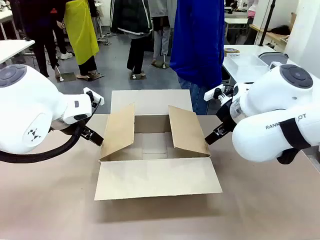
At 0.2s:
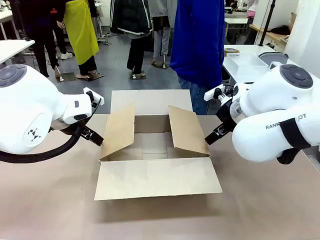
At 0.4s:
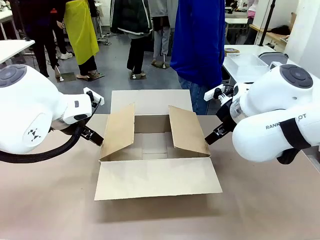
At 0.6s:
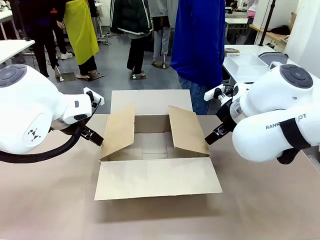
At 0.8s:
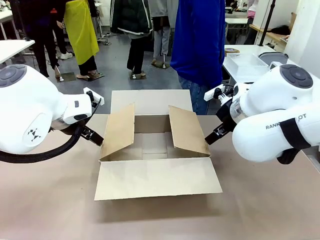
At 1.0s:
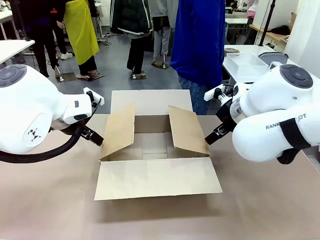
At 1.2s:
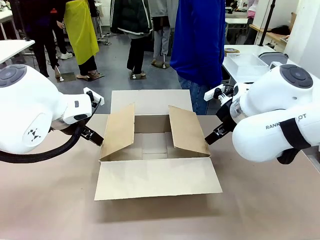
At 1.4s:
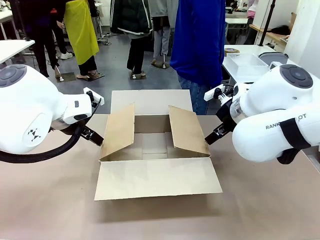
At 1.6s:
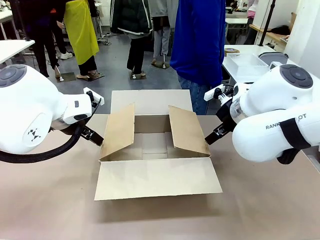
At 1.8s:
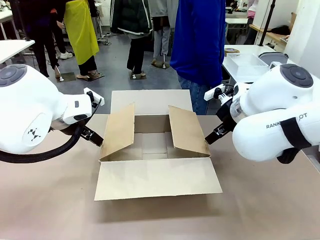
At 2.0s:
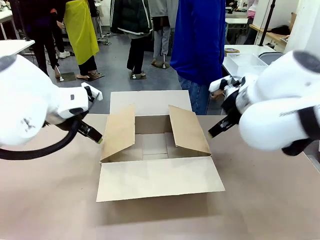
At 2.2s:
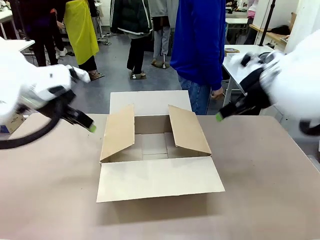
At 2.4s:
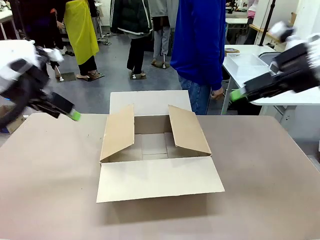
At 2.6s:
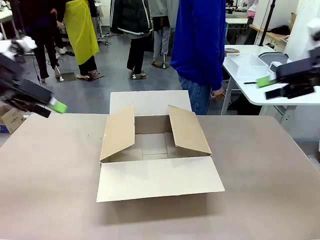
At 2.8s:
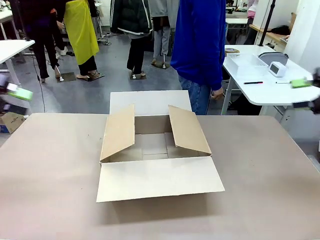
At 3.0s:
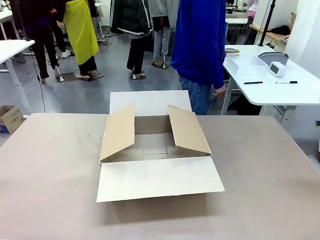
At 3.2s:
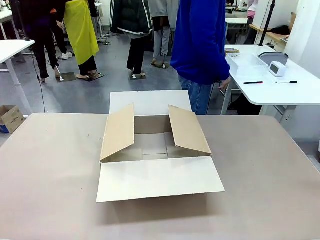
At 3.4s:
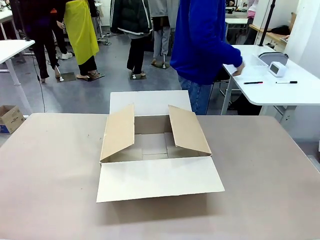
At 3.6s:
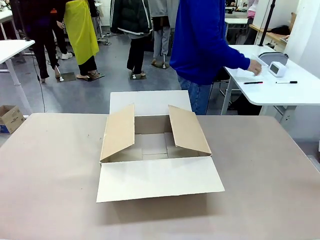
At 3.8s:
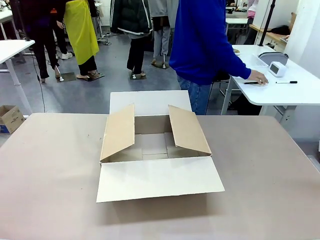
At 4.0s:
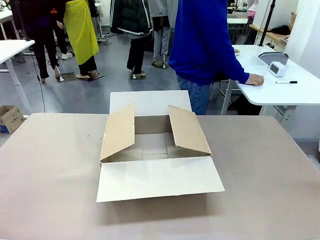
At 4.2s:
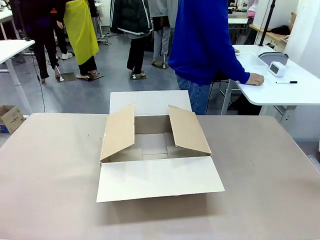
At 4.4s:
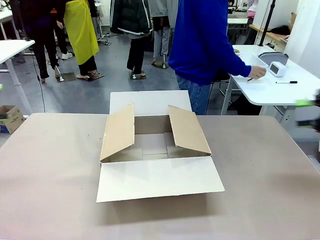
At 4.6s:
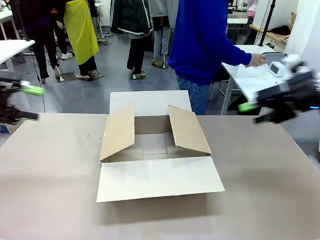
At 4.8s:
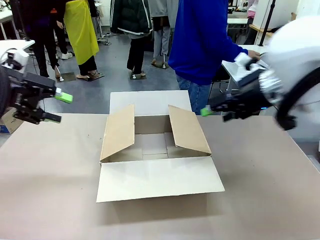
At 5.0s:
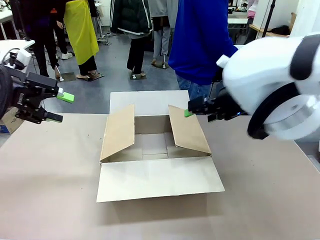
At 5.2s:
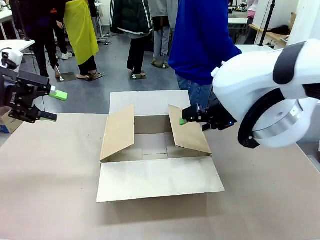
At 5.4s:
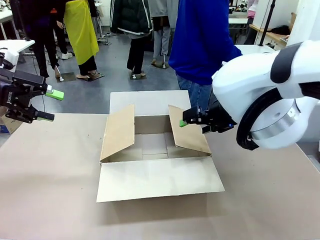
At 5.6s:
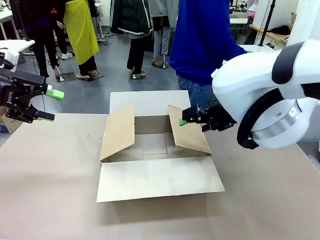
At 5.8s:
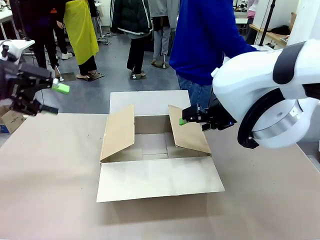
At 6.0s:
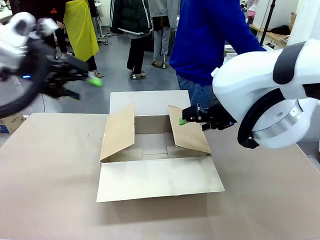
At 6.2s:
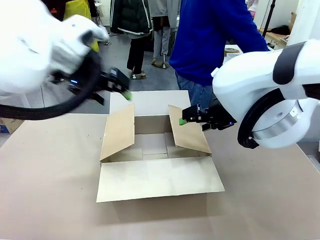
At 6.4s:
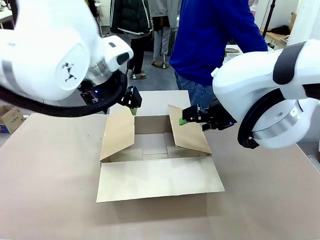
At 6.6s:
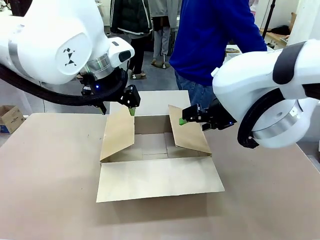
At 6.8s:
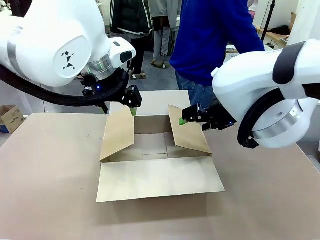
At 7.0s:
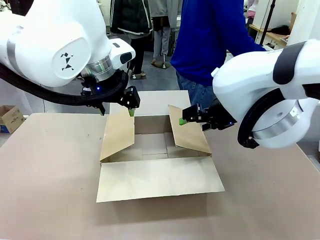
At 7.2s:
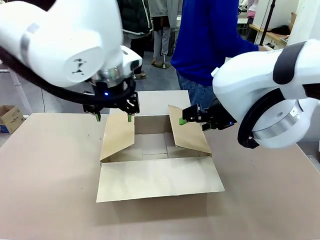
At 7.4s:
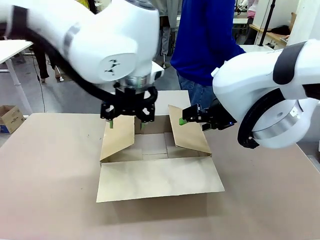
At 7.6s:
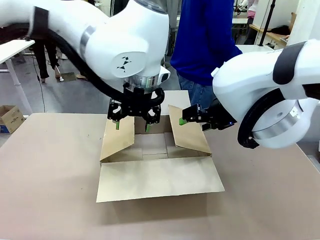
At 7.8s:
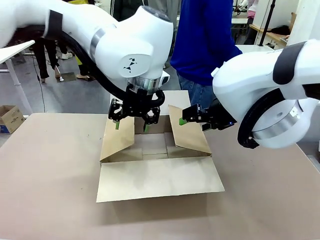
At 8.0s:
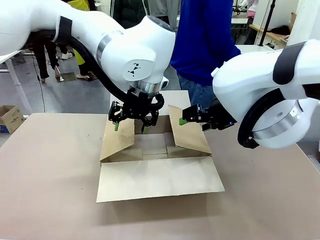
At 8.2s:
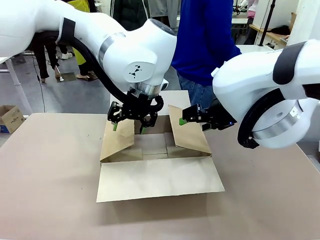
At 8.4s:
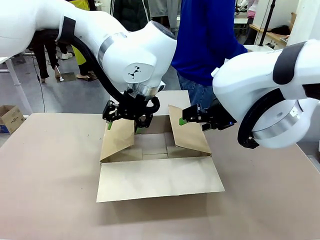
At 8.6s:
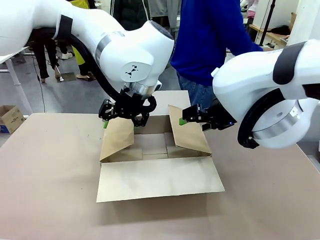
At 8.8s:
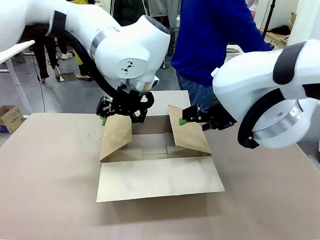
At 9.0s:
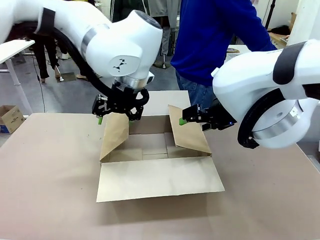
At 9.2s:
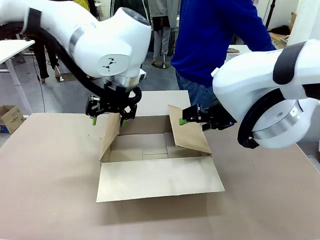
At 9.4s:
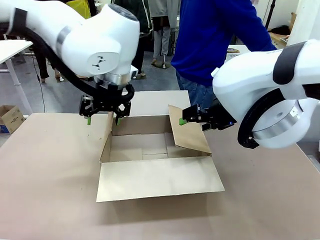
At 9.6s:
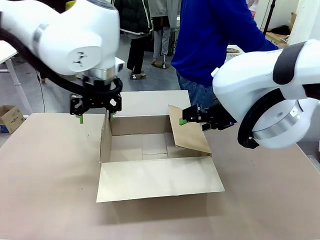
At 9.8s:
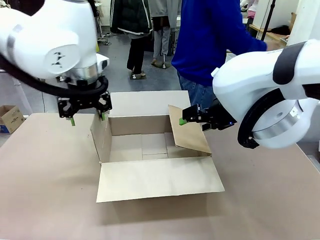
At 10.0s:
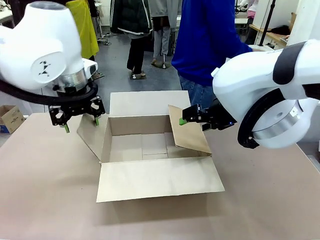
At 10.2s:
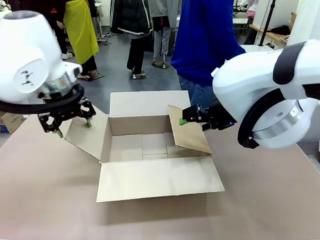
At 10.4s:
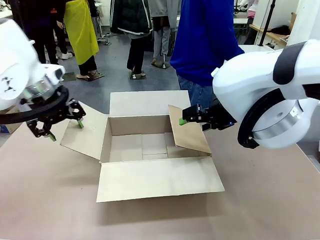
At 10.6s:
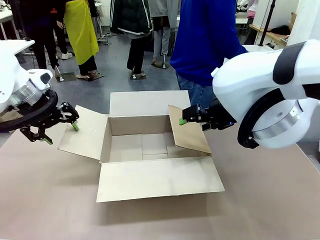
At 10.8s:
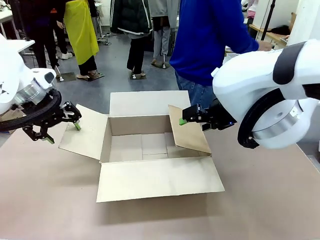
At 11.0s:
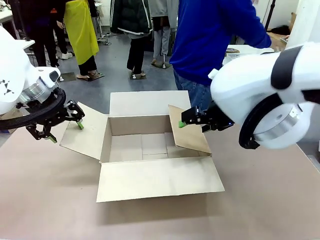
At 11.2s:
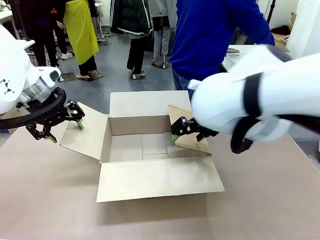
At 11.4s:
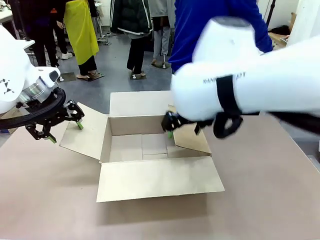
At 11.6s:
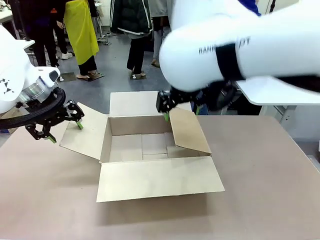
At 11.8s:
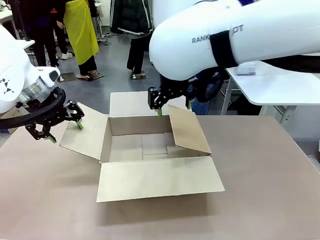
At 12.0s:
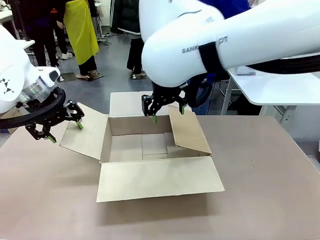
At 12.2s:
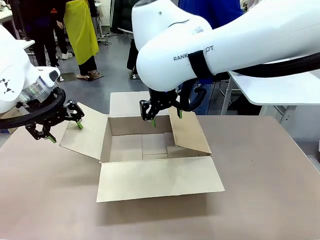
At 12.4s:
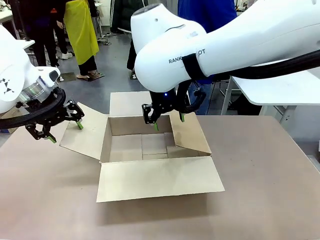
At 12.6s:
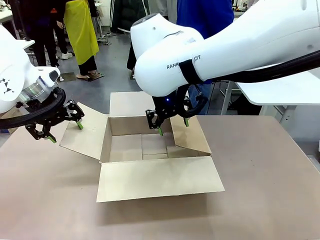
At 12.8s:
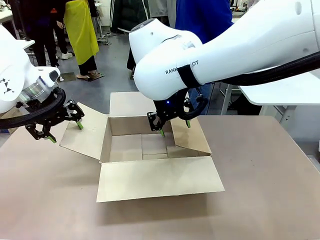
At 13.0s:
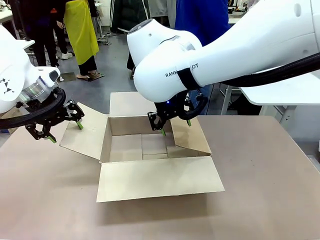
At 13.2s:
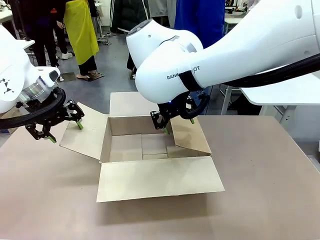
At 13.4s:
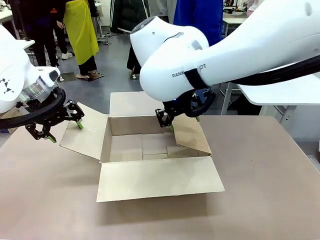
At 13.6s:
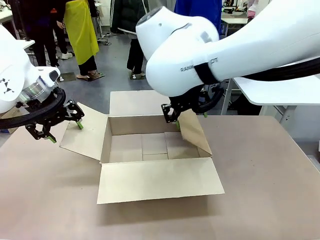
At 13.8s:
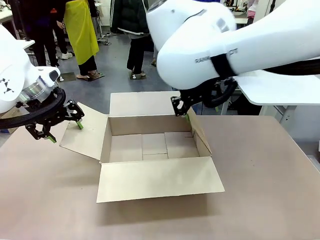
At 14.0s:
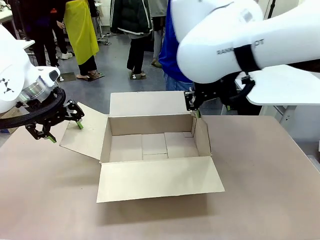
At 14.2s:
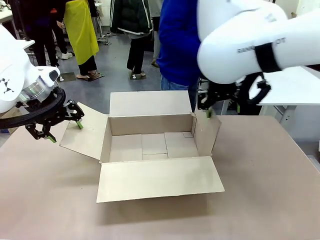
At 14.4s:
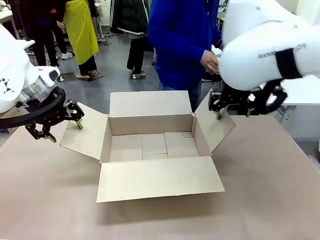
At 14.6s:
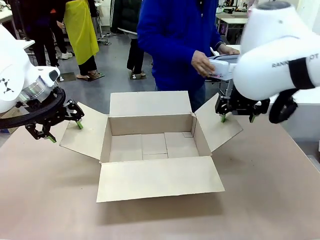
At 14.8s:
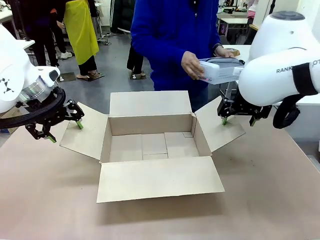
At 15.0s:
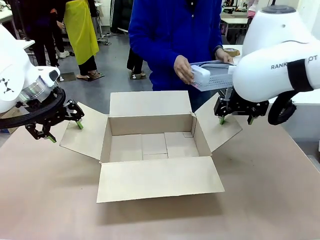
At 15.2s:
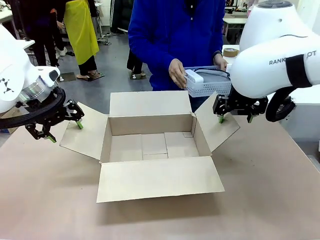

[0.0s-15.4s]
Task: Pack the gift set into the box.
Robot: Place both hands on the side flaps of the Package Box and spread them outward.
Person: The human places all items except the paper tape into the organizing basket.

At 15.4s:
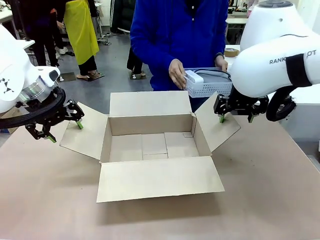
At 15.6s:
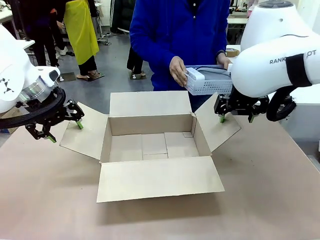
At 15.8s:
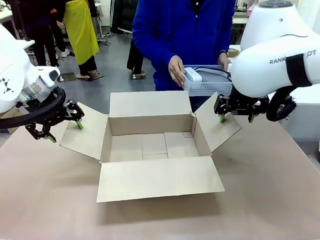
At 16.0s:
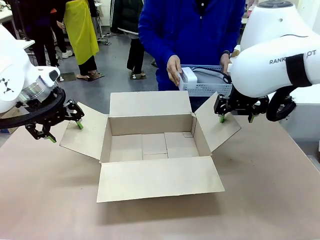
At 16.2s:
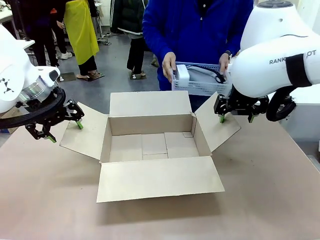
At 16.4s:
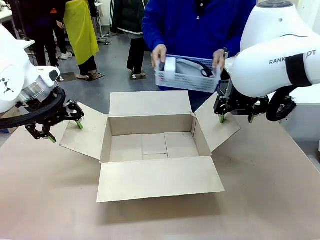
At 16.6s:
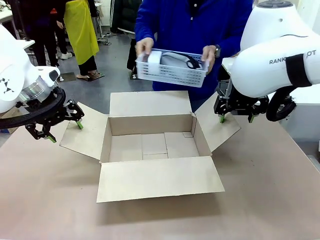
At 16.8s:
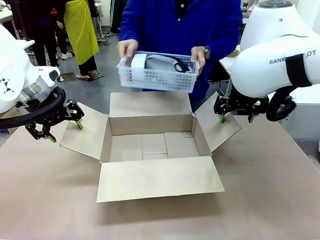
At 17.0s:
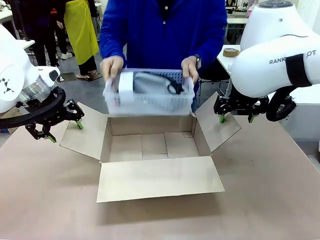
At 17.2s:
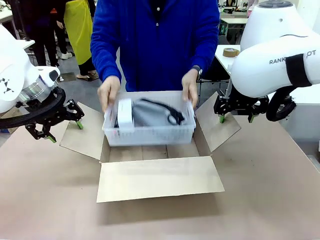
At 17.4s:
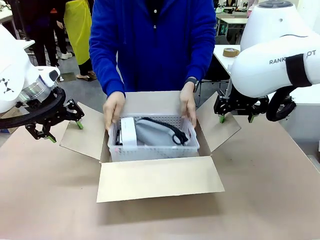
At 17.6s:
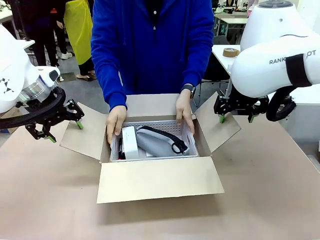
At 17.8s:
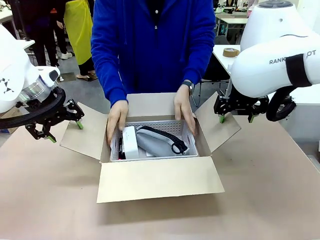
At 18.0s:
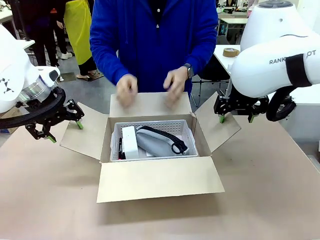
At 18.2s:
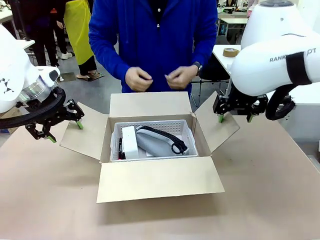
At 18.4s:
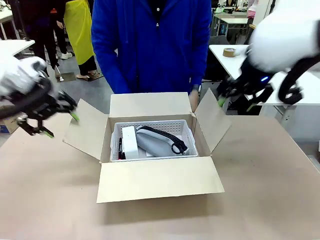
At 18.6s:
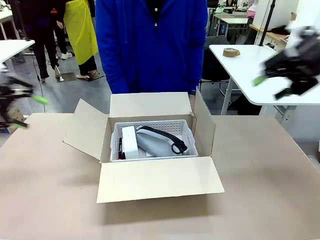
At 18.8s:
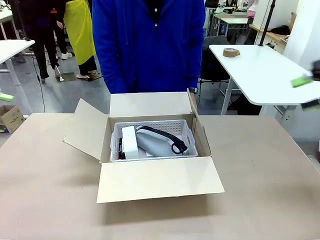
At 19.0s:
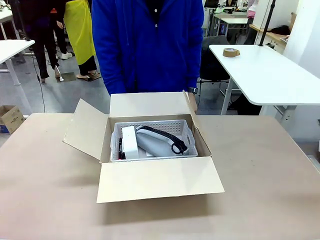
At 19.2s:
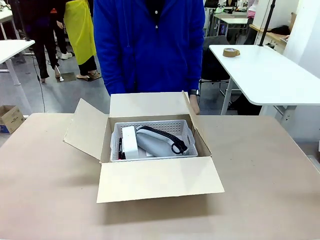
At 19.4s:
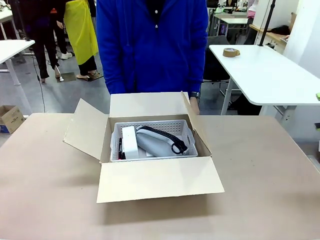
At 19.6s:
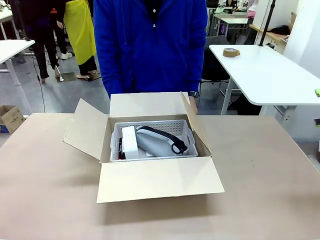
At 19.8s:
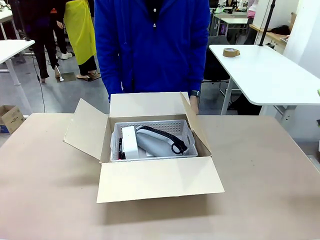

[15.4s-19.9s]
Robot: Lift both hands away from the flaps of the Package Box.
Person: The human picks up the organizing basket and places the organizing basket into the package box on the robot table.
